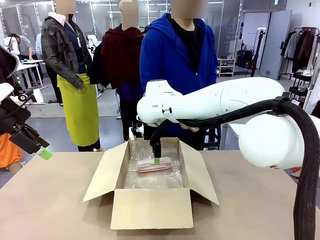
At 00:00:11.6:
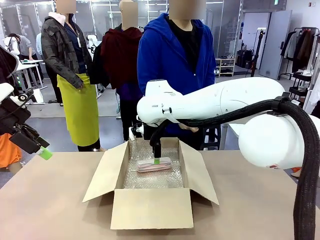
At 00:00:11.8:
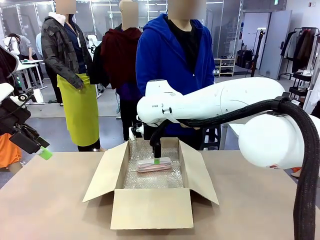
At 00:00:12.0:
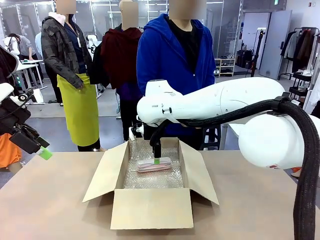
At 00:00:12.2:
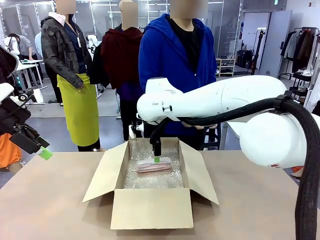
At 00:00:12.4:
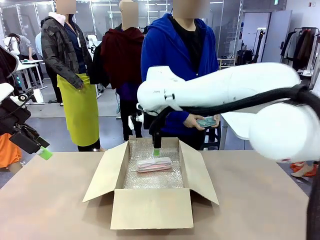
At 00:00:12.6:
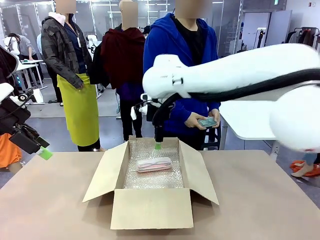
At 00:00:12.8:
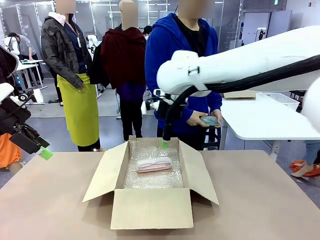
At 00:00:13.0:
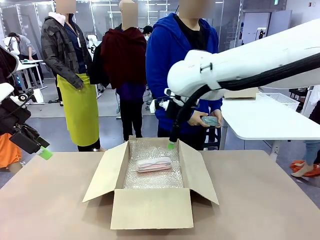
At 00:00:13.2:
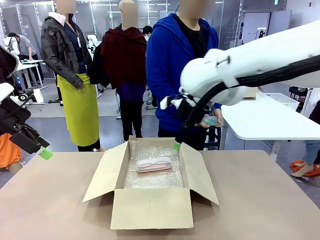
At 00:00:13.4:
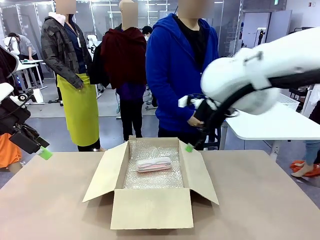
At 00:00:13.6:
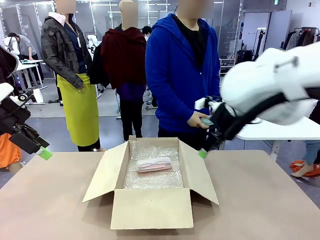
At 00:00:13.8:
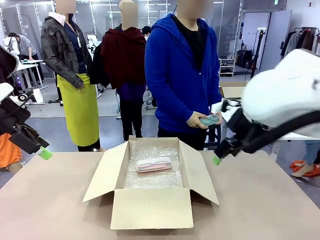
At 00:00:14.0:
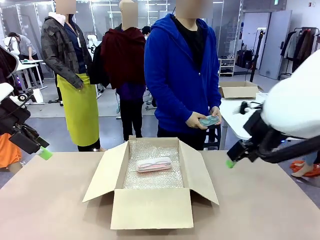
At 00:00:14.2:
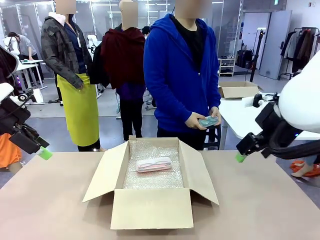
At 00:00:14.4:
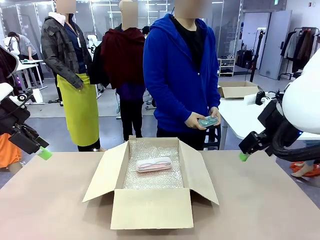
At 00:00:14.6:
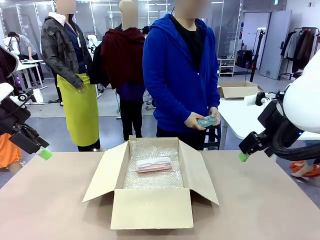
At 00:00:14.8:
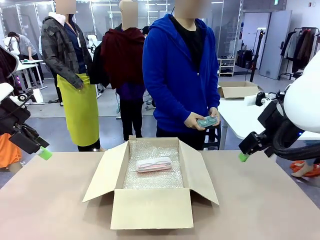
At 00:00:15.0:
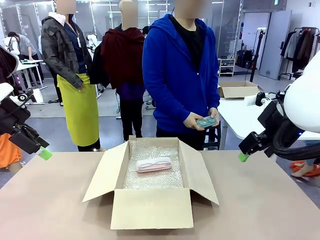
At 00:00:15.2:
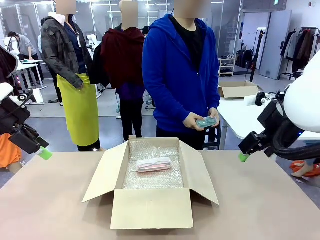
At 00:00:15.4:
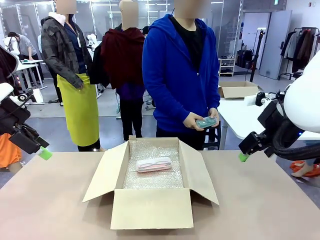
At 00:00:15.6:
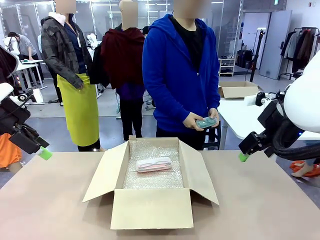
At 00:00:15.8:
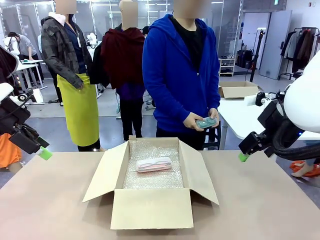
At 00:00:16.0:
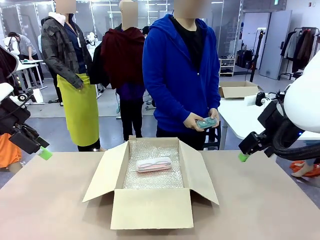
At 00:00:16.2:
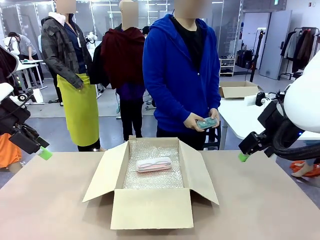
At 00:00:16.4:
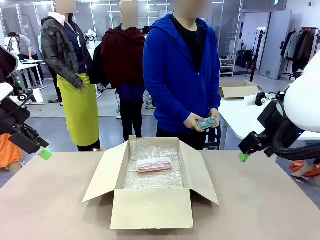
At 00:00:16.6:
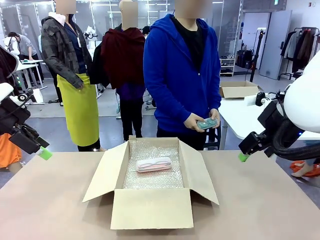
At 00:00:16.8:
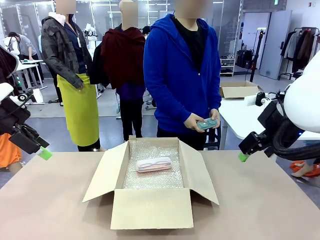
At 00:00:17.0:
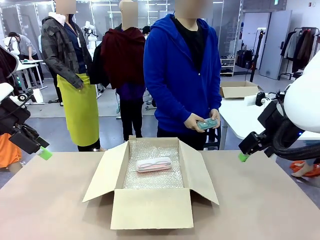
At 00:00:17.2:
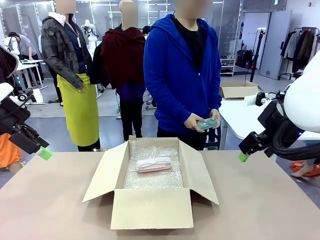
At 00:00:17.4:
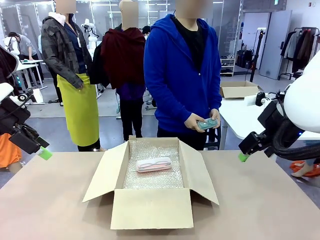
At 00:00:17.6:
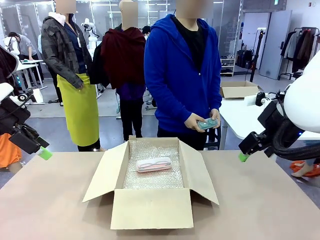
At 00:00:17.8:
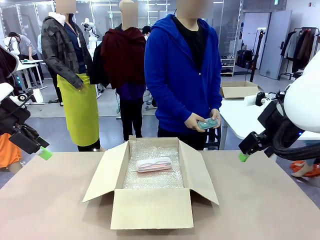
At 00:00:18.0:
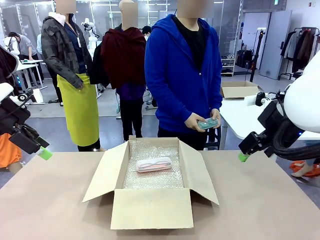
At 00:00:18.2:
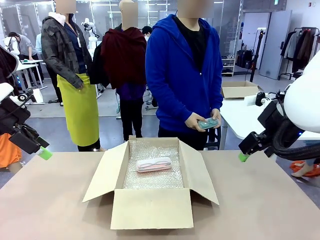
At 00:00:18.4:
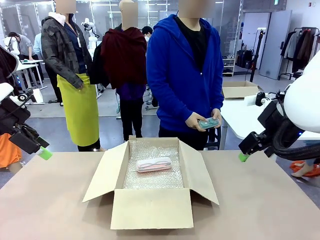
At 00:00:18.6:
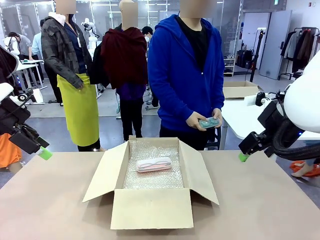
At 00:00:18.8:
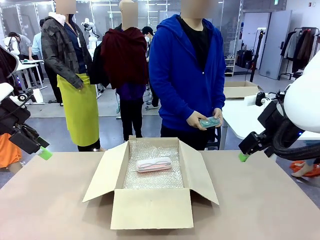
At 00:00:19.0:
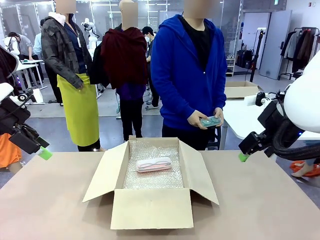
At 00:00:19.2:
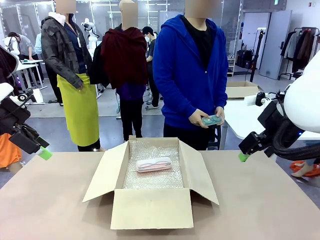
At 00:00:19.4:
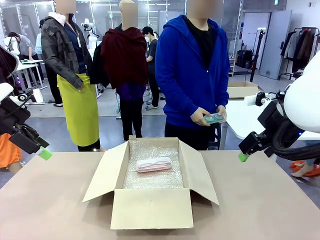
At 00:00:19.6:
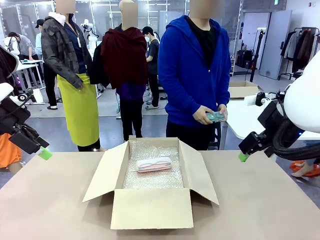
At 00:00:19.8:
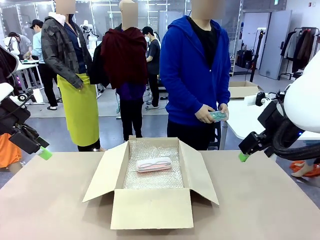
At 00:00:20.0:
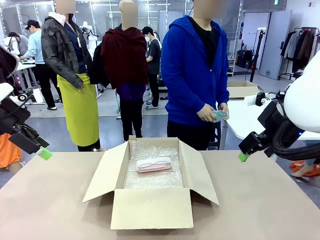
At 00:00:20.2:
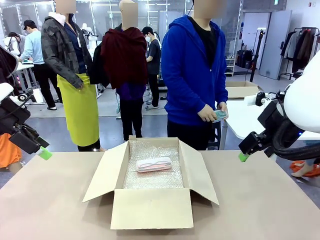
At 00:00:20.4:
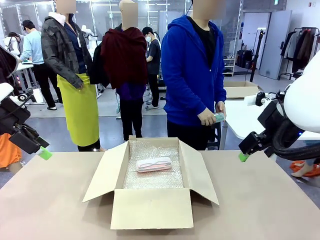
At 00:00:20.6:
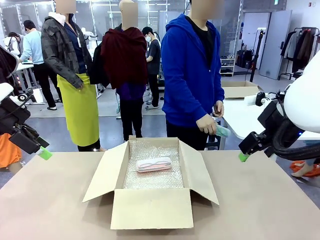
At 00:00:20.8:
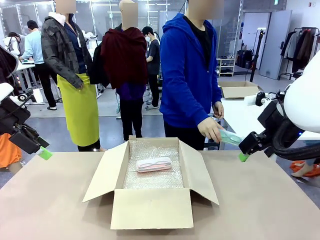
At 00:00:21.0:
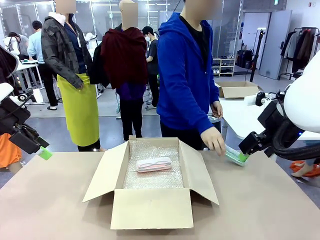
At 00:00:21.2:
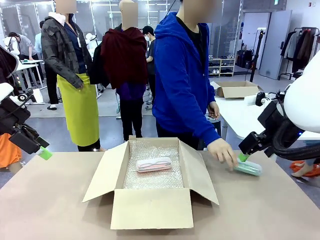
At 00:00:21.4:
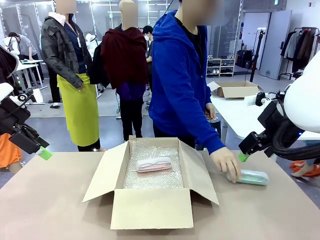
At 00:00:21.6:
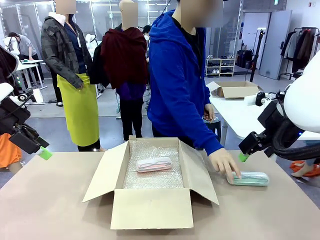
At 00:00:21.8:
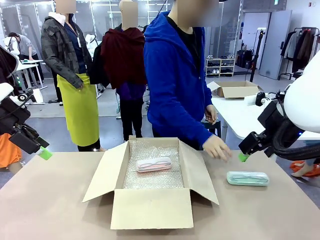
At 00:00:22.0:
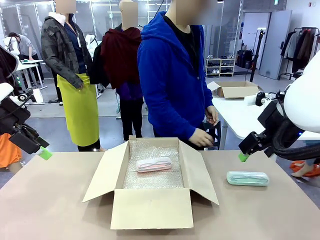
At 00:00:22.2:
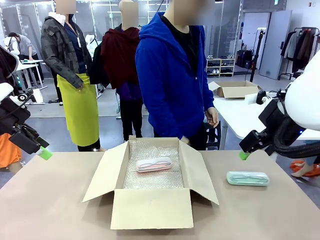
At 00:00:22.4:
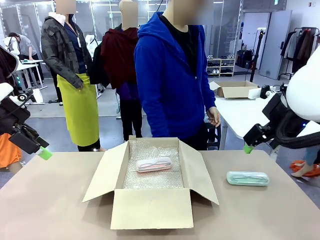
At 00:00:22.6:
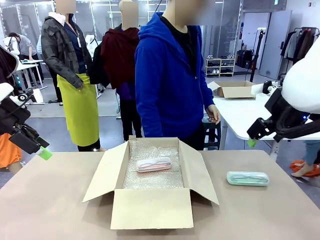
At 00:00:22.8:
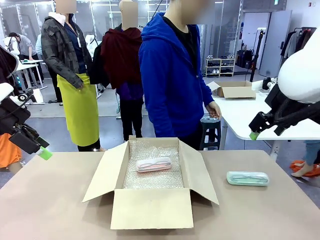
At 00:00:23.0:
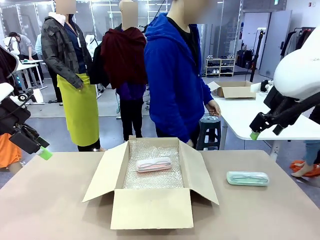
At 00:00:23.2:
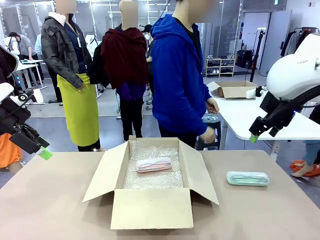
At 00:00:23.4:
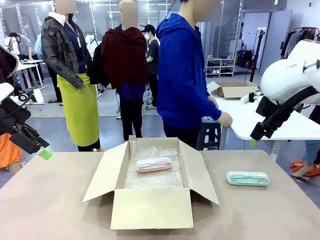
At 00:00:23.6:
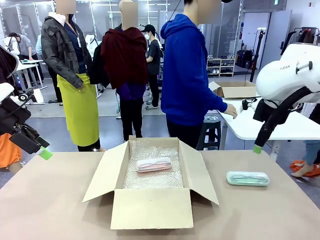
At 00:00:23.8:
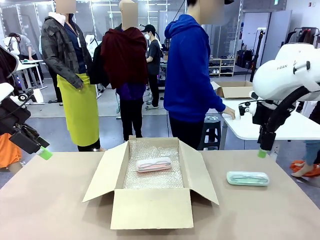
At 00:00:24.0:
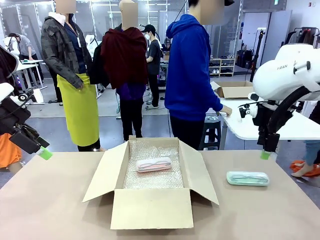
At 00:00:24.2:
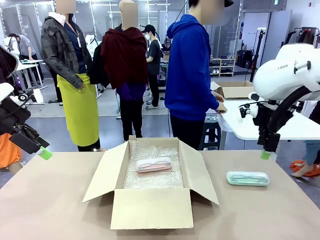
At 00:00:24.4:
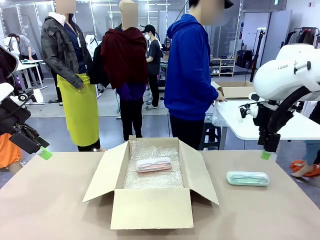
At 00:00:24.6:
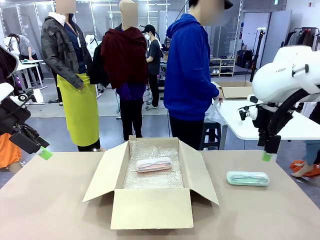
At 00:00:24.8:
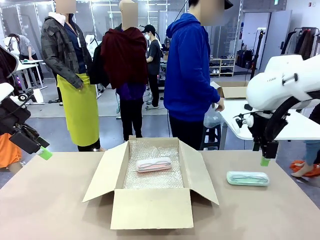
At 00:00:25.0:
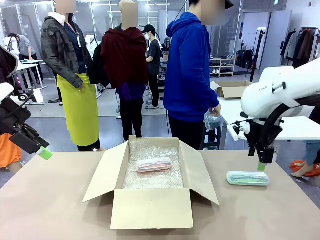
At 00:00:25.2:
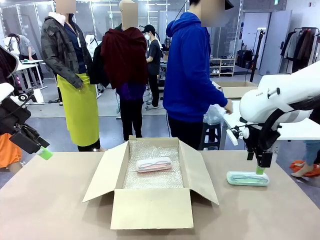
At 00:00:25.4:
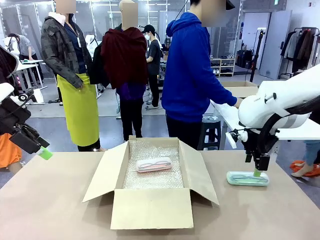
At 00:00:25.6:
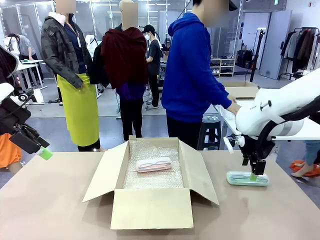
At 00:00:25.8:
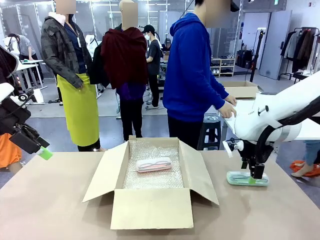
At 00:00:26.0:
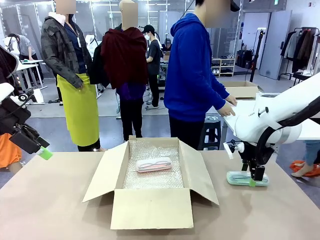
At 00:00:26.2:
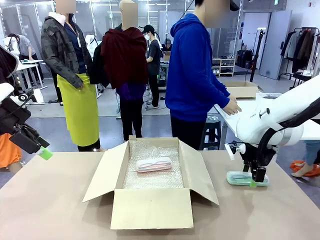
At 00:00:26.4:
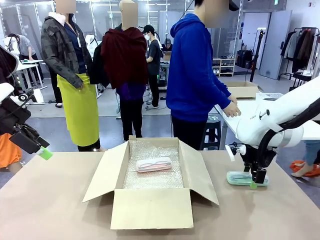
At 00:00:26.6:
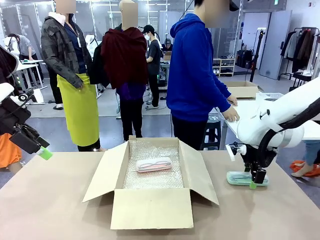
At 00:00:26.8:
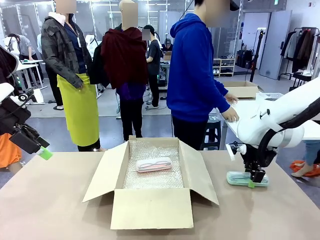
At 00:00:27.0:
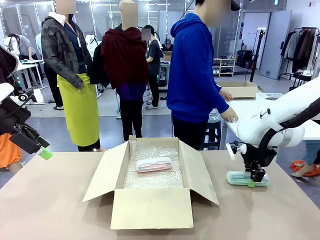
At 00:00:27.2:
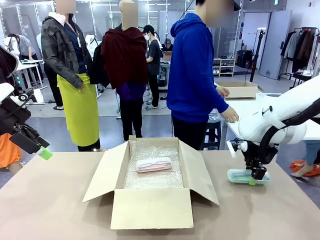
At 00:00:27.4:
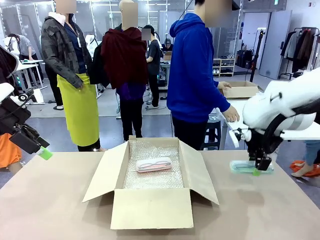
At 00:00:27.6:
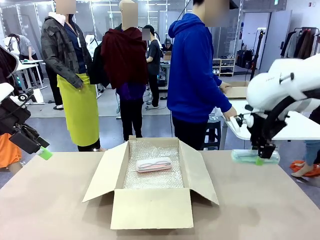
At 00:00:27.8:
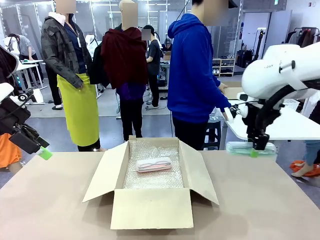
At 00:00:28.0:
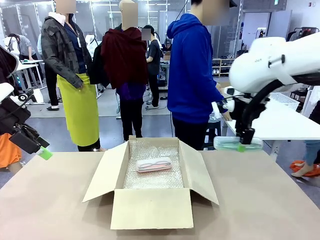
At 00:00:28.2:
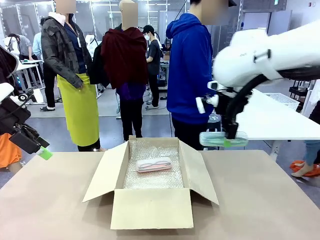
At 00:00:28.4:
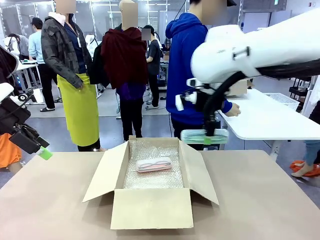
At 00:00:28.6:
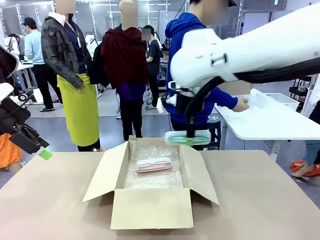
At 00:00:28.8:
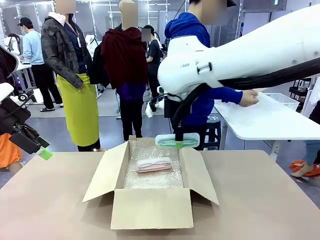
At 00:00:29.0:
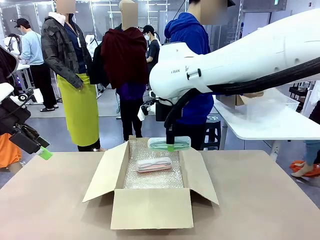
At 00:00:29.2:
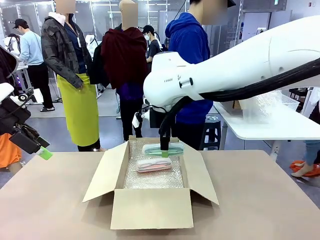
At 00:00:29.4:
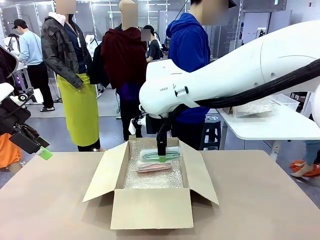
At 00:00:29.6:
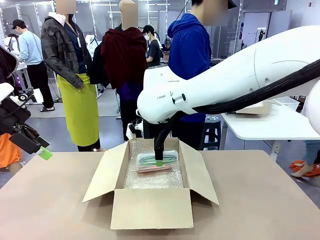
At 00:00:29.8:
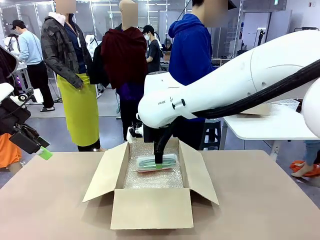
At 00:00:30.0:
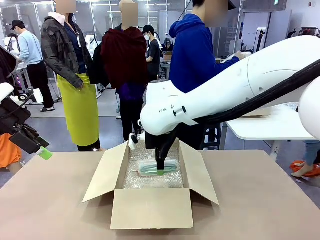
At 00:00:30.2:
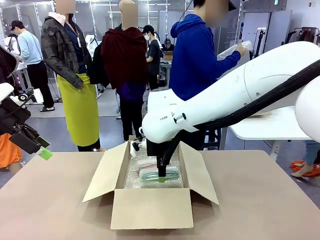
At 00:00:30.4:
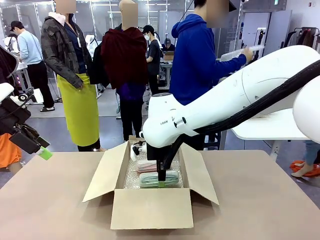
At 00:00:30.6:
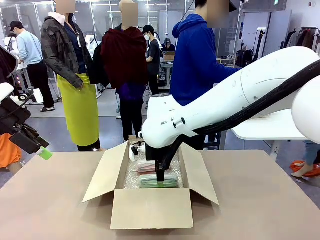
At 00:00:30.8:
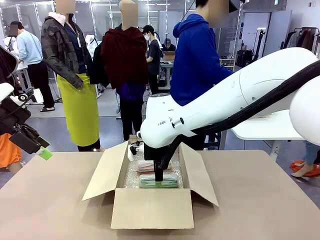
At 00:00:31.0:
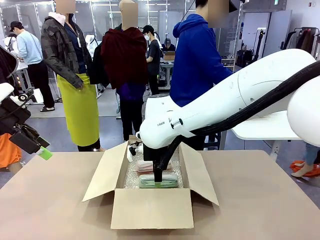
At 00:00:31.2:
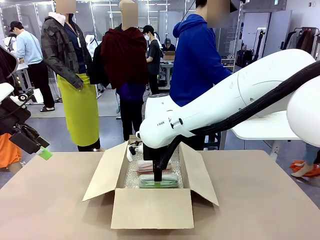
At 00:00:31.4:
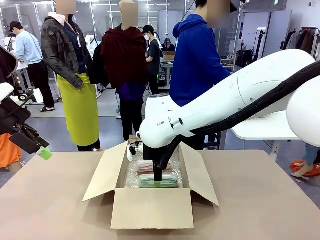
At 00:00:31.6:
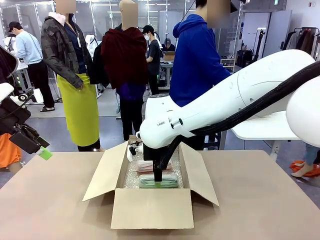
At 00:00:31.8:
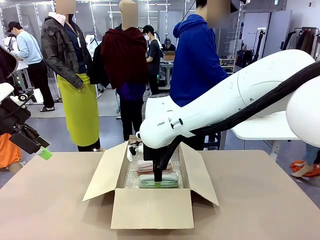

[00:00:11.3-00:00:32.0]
Task: Pack the glasses set securely to prepare it for shipping.
Robot: Put the Glasses case from the right side of the table into the Package Box.
Person: Position the Glasses case on the left side of the robot's table.
